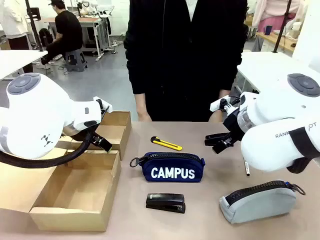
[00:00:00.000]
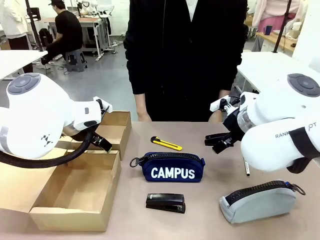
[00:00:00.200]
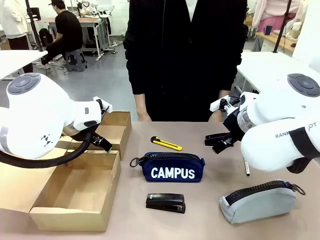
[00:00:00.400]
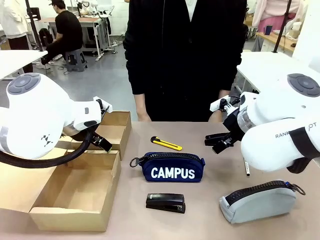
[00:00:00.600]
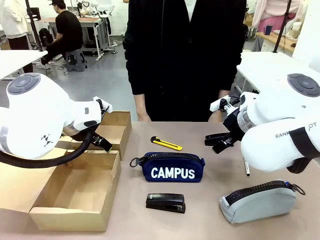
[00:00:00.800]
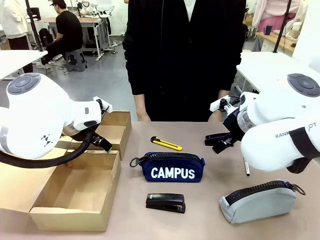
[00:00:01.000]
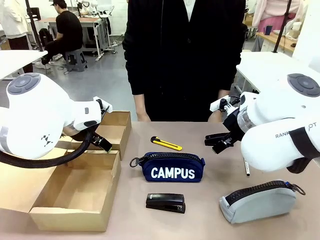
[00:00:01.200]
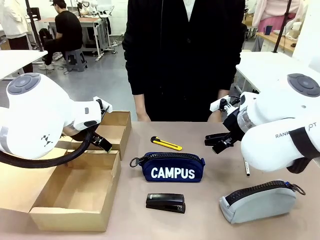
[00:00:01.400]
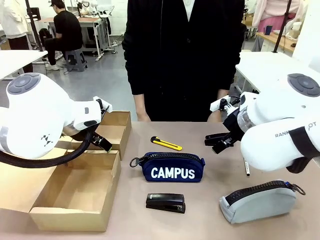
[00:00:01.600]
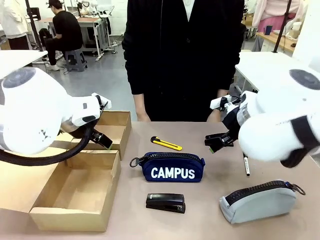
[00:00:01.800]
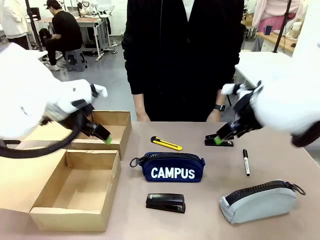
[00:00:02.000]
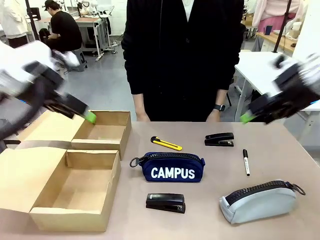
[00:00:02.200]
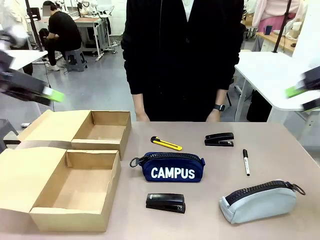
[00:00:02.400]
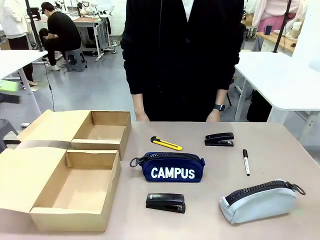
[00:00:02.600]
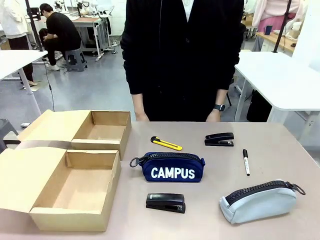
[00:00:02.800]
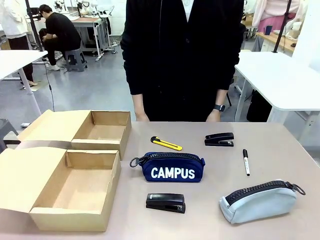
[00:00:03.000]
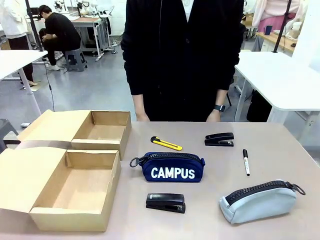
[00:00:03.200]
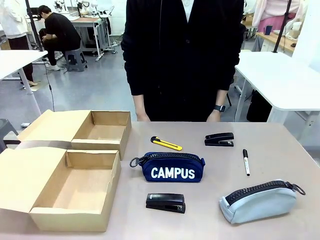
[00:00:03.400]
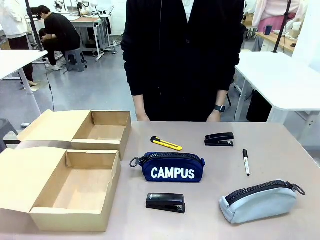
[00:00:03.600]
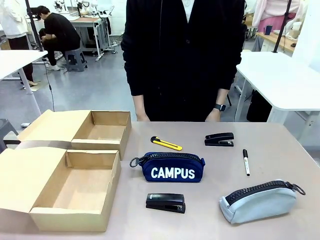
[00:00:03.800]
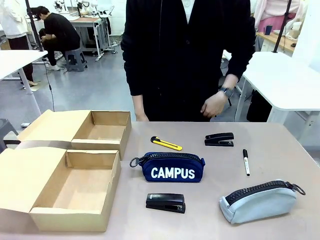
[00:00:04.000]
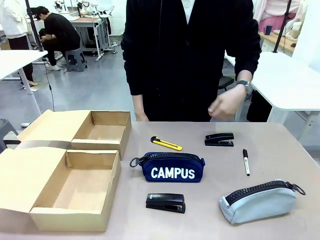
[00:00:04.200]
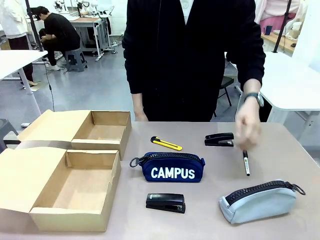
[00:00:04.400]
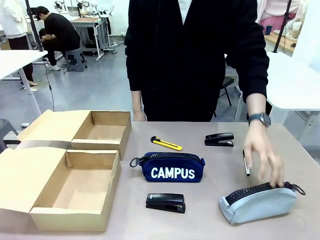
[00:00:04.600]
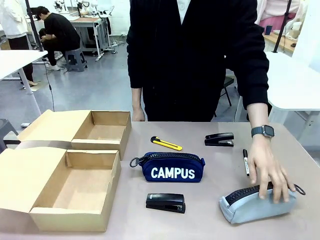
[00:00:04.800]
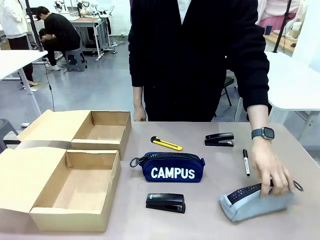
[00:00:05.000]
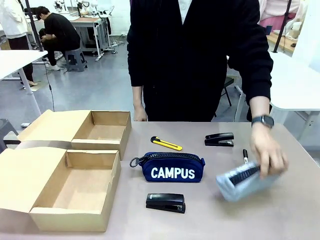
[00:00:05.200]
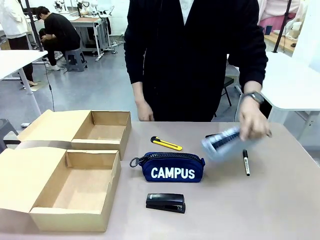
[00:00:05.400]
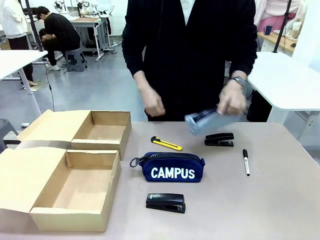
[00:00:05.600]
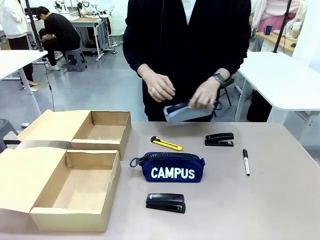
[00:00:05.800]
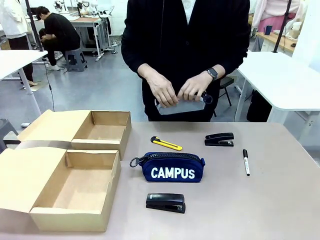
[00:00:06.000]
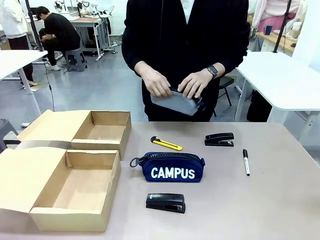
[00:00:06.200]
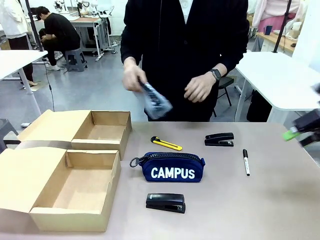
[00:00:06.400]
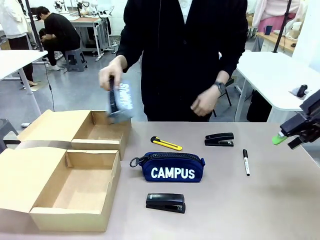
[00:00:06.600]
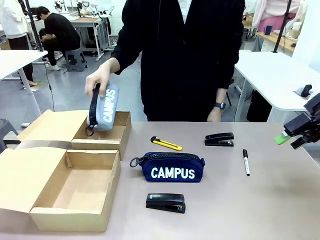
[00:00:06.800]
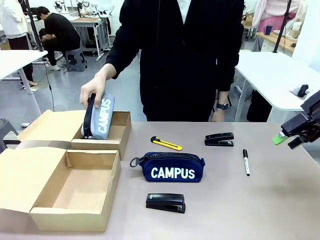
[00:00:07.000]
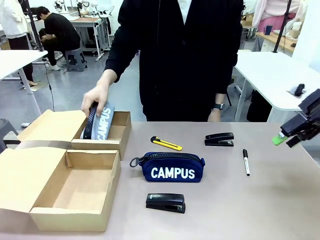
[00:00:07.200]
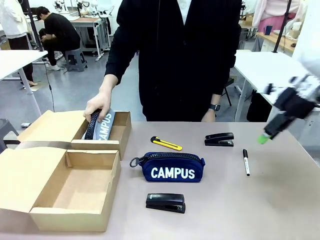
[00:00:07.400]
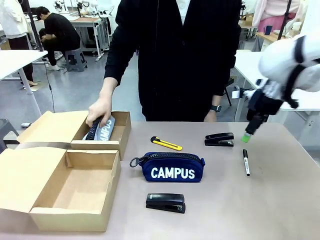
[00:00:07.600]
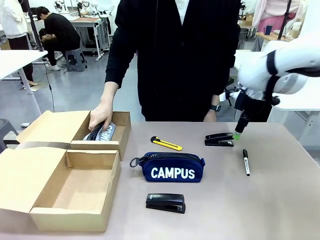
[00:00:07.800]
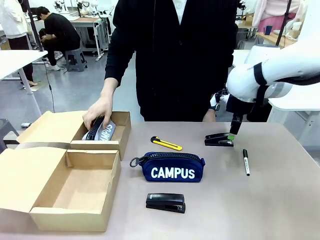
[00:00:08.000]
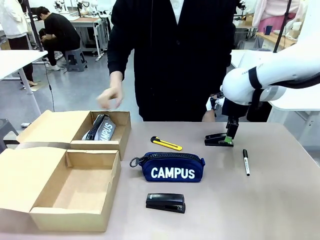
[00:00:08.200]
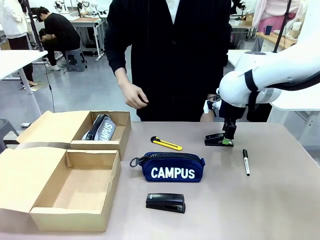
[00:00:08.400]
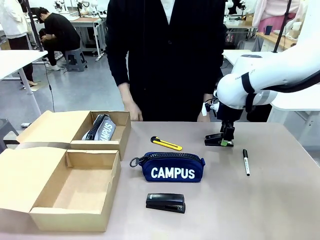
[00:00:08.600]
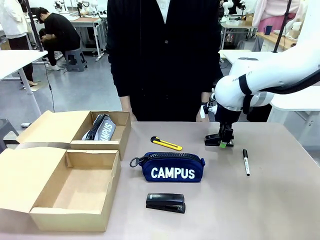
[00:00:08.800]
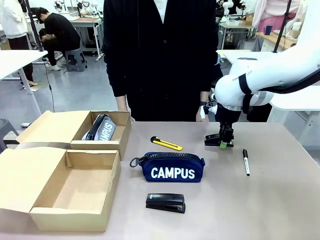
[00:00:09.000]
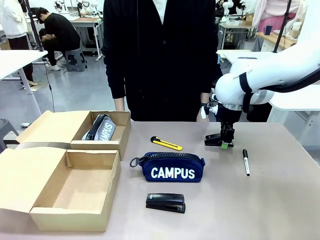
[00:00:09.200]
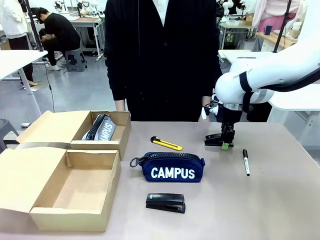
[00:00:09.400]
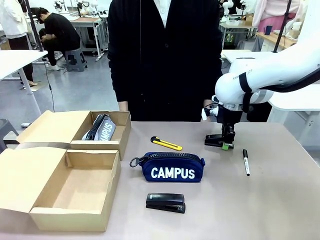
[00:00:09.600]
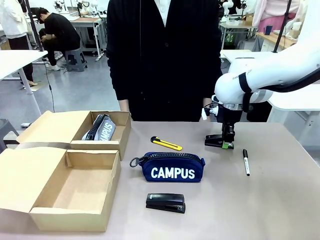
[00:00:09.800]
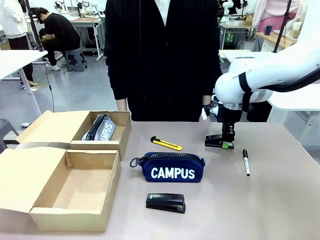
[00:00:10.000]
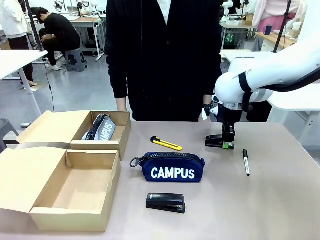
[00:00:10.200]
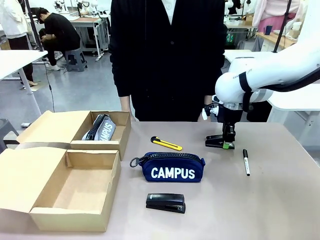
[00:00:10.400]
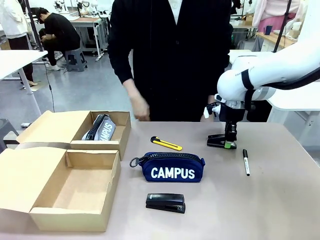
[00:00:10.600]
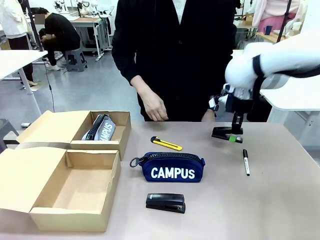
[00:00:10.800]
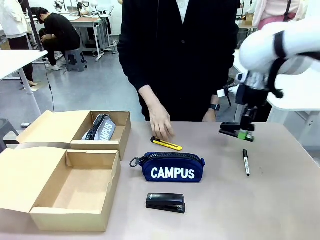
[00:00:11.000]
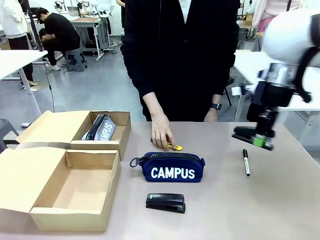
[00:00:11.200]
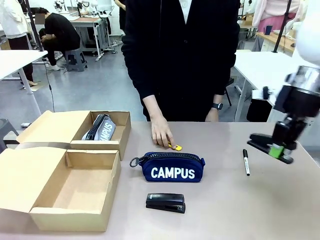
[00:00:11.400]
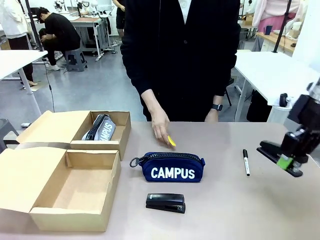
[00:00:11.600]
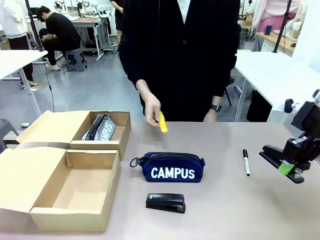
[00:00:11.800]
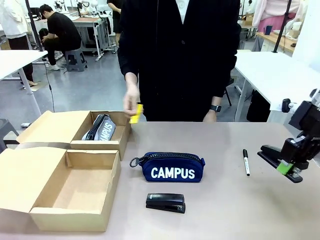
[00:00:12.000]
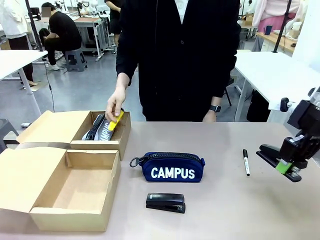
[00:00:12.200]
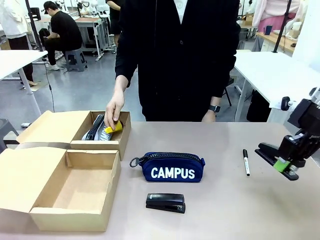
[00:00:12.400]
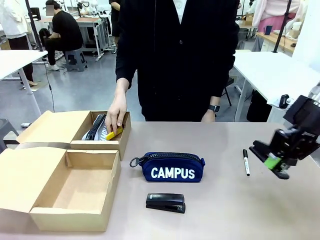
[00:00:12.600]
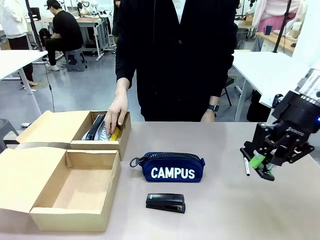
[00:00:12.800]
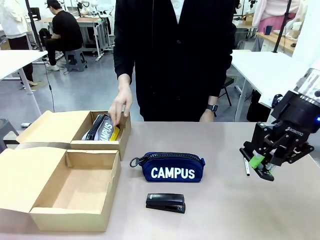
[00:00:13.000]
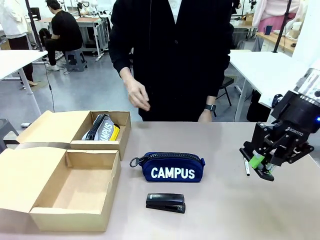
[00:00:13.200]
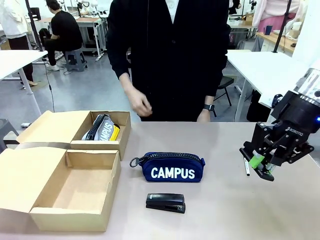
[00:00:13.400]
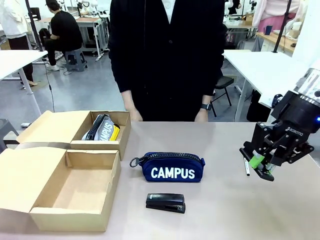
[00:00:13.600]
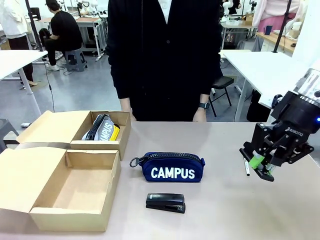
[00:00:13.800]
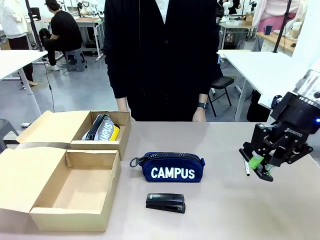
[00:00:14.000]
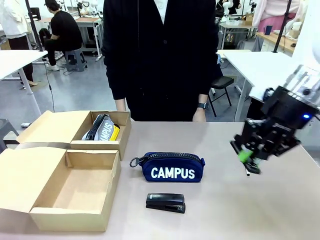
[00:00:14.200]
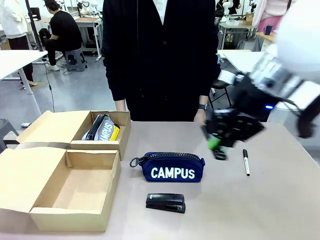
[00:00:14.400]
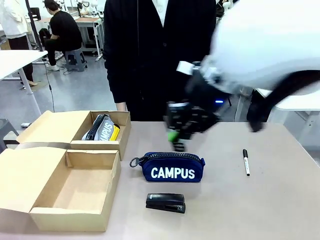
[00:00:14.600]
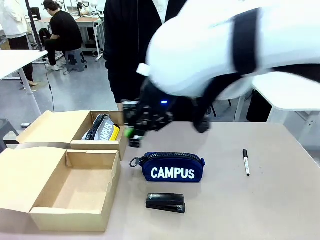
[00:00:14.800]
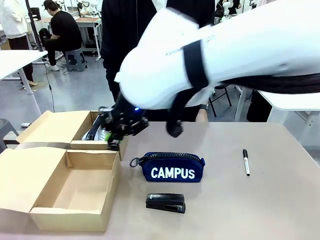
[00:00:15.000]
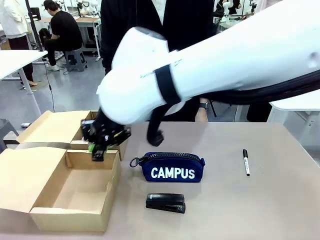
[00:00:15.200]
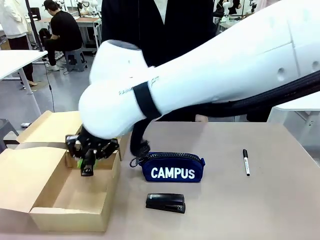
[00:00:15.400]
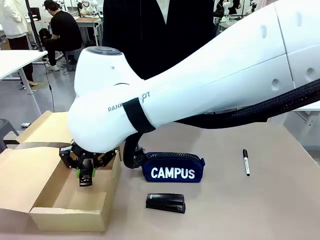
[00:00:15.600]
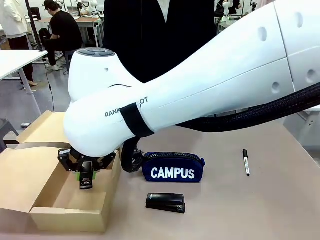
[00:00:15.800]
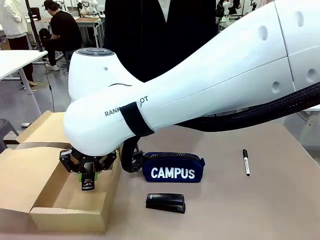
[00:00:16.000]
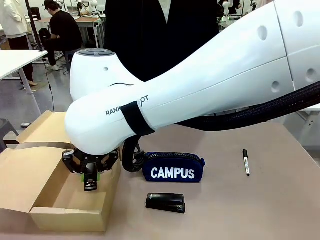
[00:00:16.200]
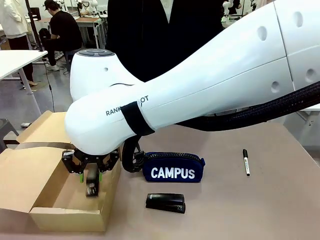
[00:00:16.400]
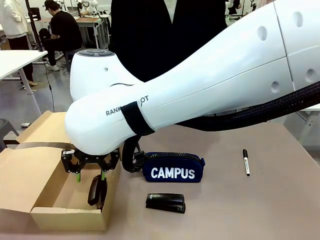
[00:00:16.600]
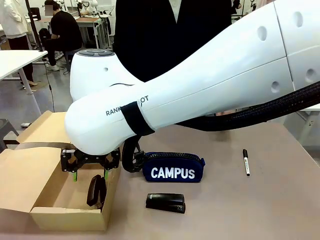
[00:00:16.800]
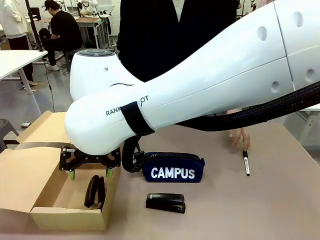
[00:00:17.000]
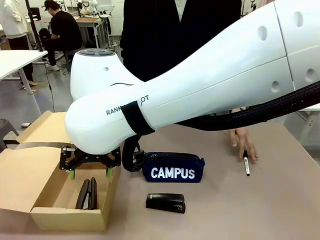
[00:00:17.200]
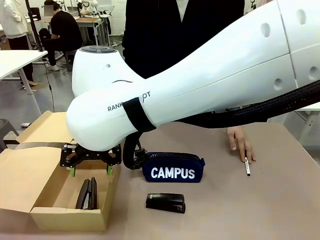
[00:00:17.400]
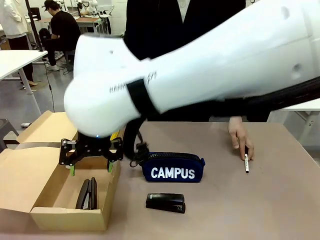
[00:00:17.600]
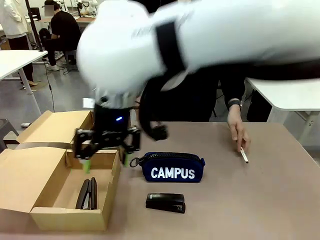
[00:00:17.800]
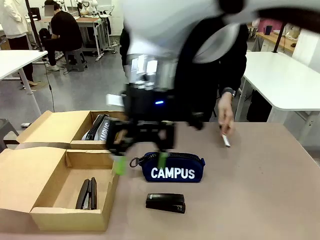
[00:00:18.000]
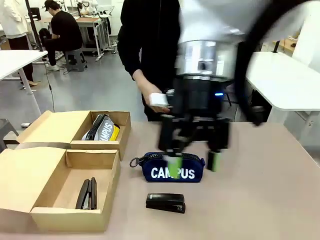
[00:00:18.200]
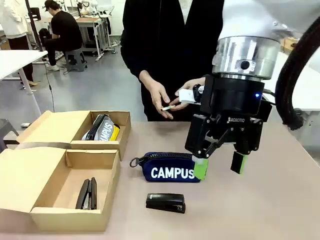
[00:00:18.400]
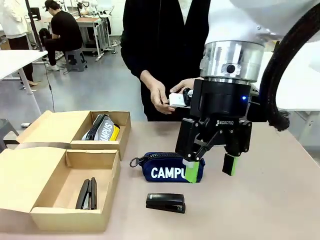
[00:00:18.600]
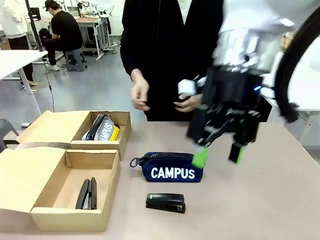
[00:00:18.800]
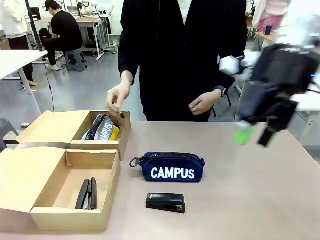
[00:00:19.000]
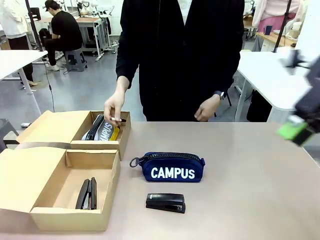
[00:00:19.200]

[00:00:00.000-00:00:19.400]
Task: Place items inside the box.
Robot: Pick up a Pencil pouch or Stapler and place it inside the Mailer Box closest to the robot.
Person: Pick up an object on the table and put it in the box.
